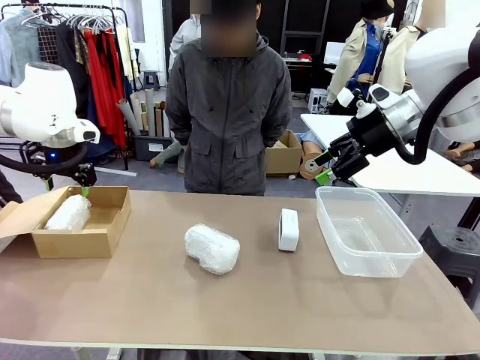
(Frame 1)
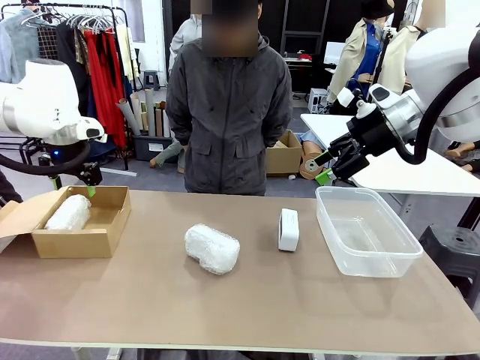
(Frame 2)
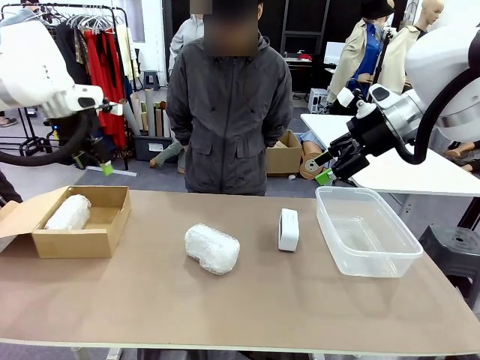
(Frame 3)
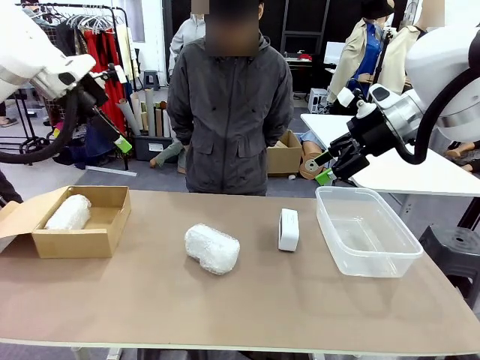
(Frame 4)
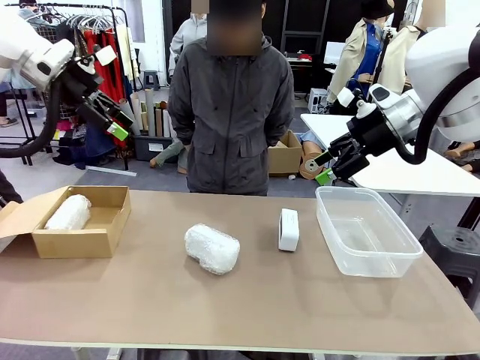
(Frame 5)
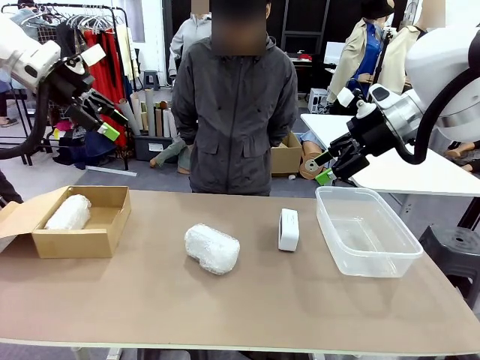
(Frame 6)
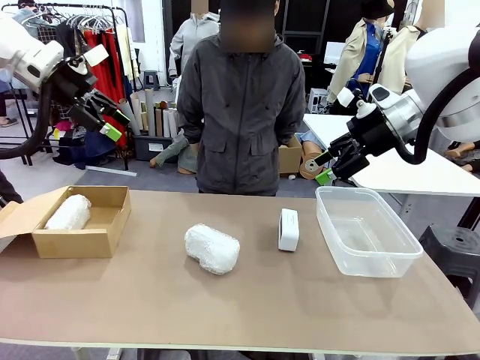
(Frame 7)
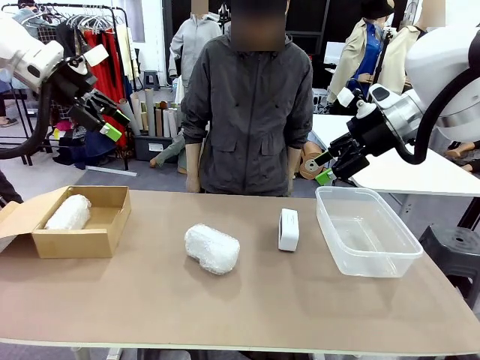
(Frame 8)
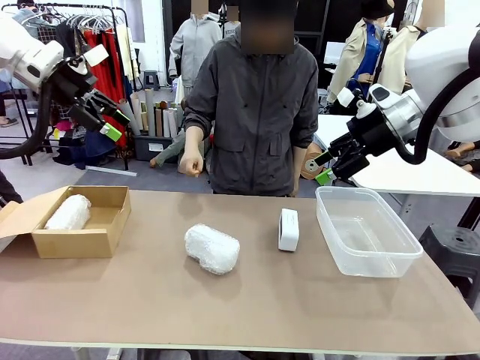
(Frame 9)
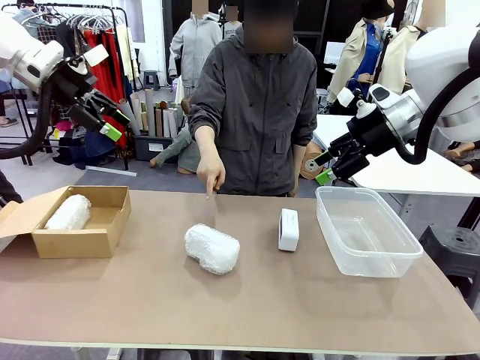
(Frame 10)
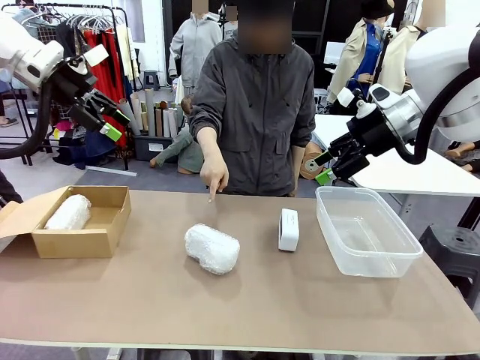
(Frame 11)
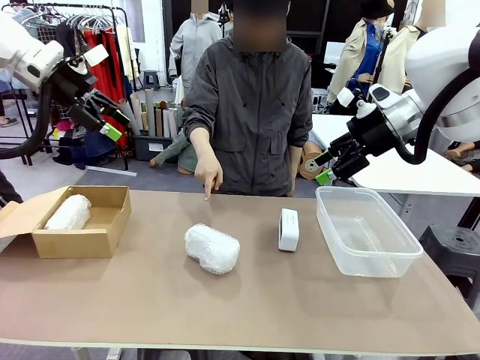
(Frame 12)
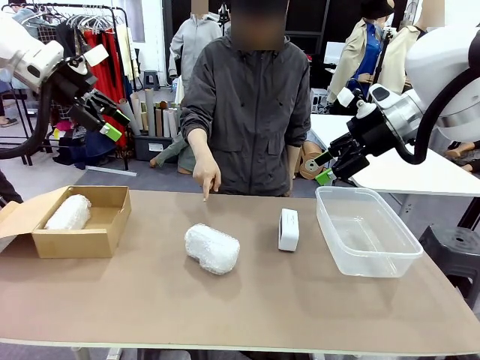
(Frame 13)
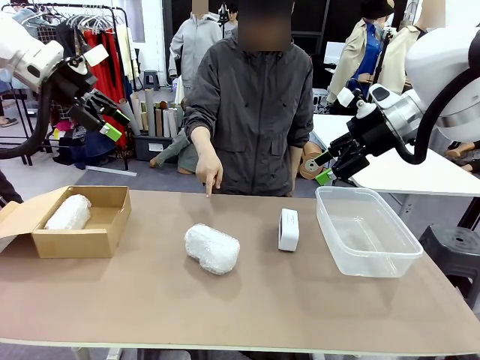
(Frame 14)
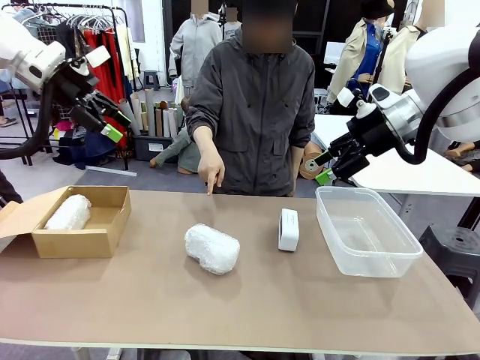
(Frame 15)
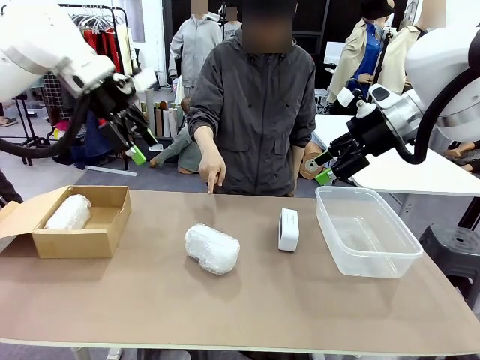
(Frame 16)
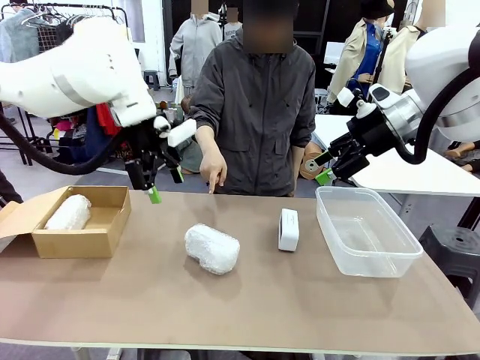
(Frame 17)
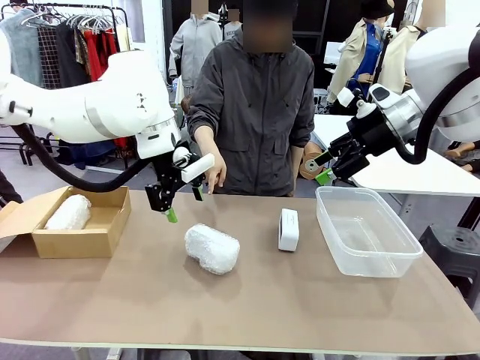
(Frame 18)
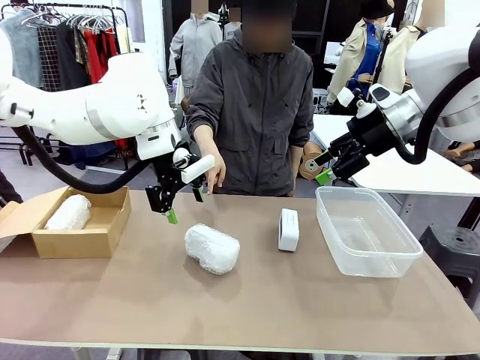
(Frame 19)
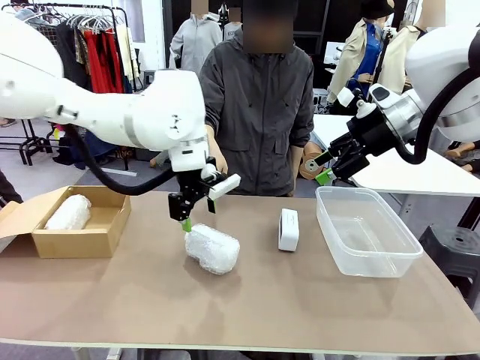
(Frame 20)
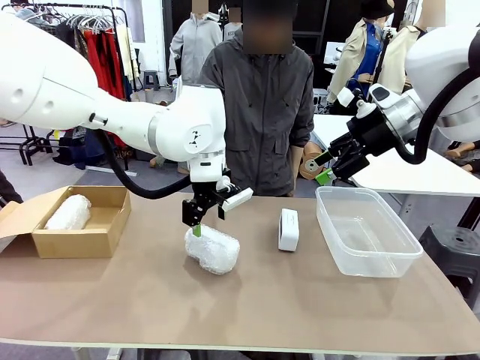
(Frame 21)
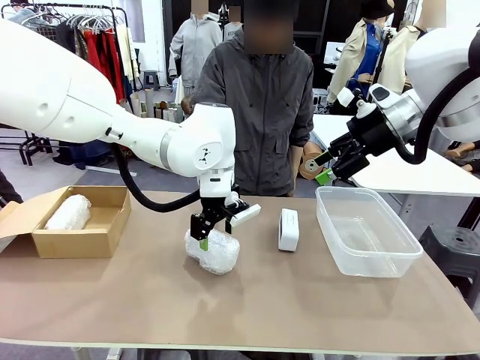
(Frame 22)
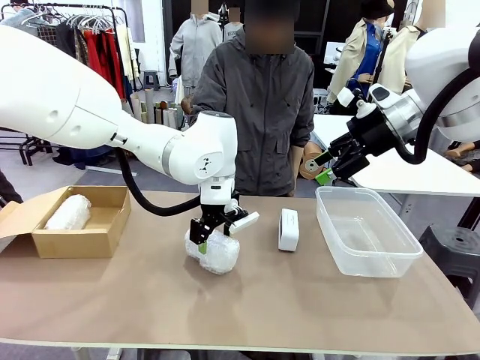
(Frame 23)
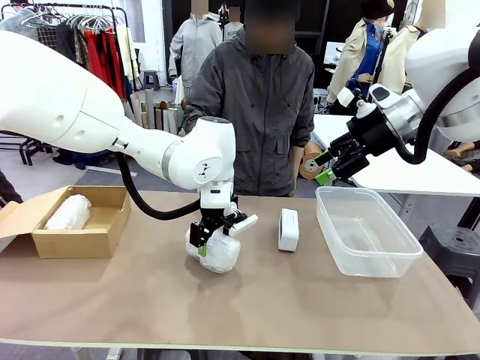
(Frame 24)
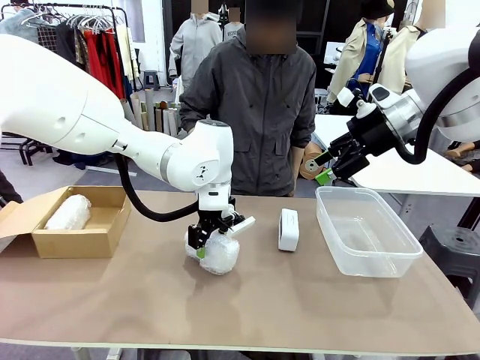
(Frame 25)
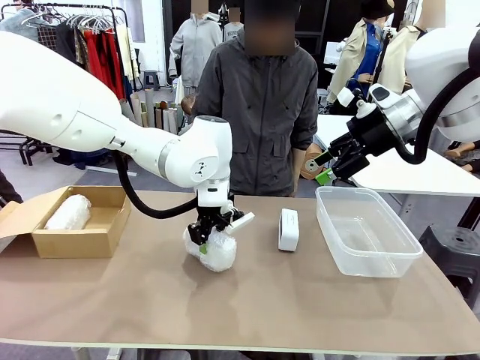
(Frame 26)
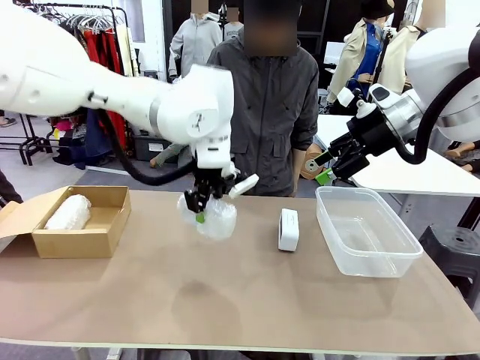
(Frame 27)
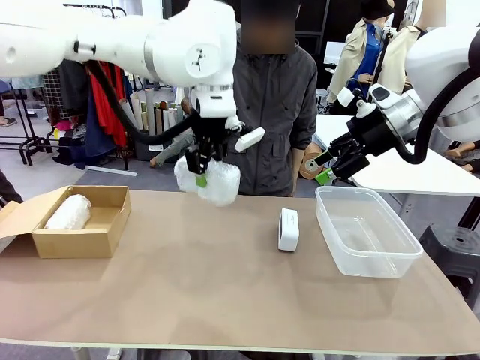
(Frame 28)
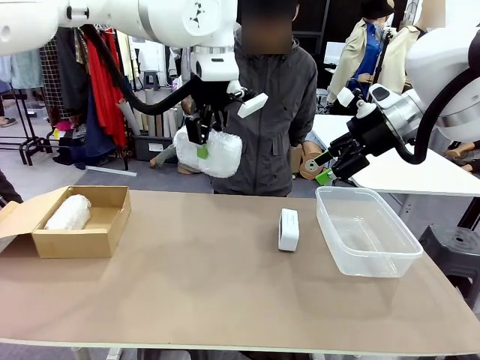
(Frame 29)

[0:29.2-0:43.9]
Task: Separate and place wrapped and unwrapped clocks.
Robot: Pick up the Digital clock indicated by the person.

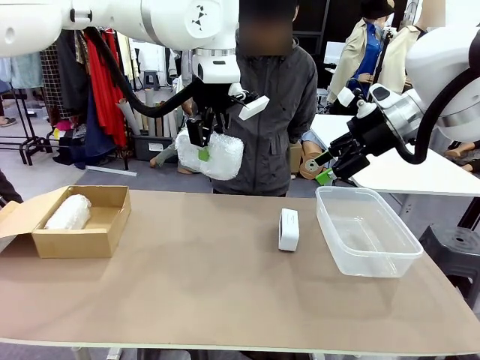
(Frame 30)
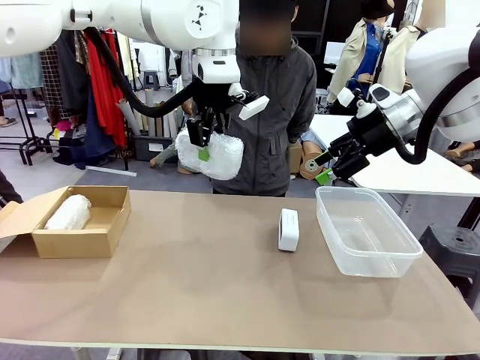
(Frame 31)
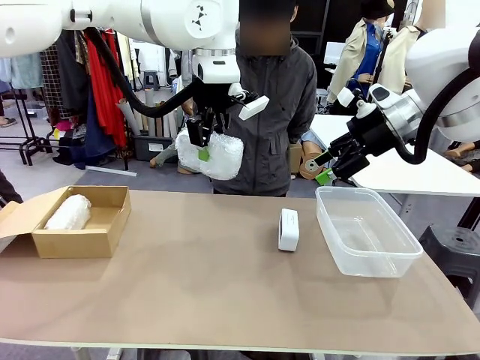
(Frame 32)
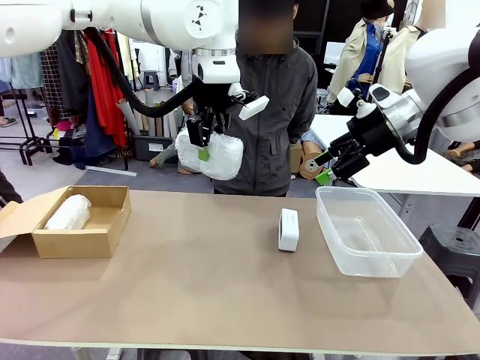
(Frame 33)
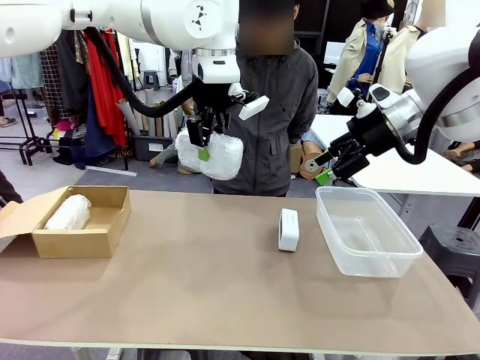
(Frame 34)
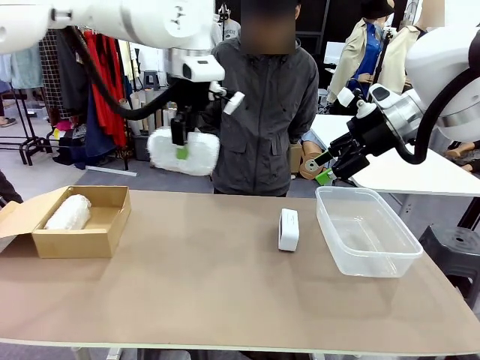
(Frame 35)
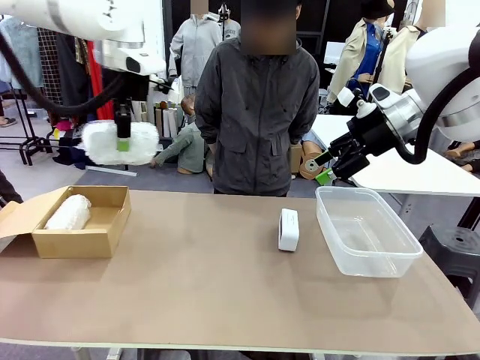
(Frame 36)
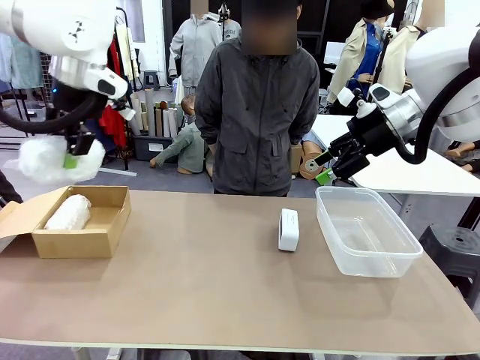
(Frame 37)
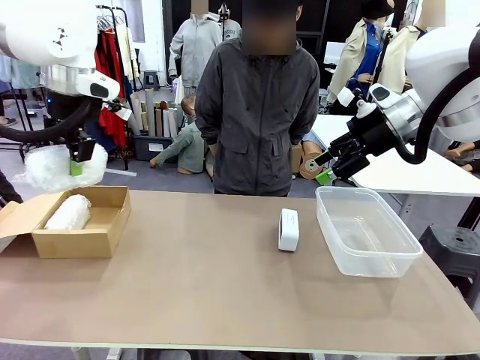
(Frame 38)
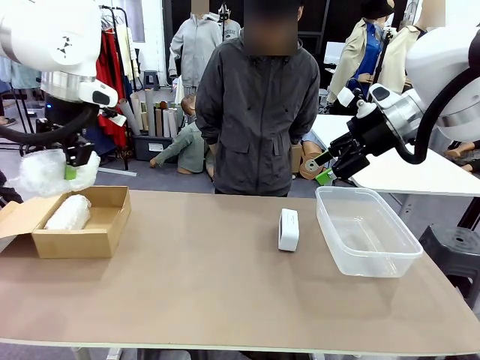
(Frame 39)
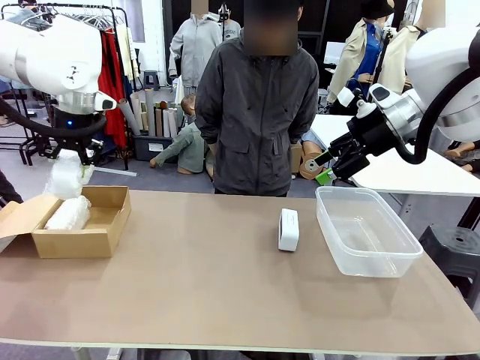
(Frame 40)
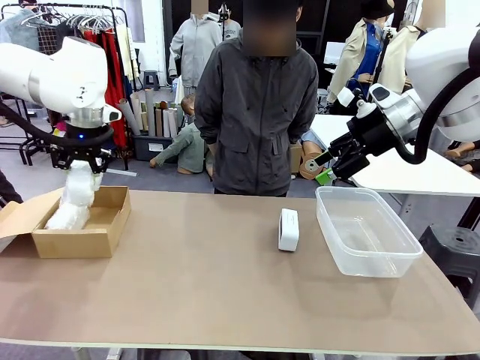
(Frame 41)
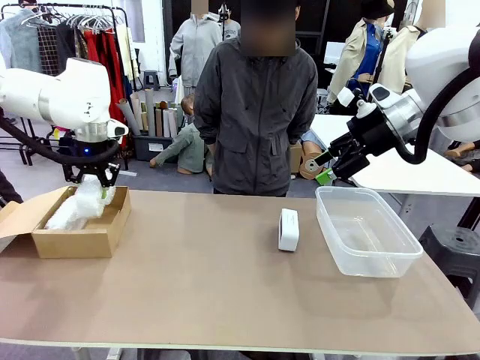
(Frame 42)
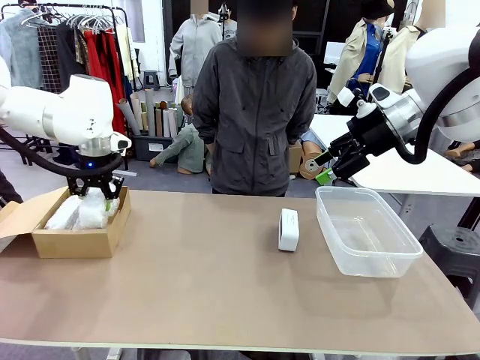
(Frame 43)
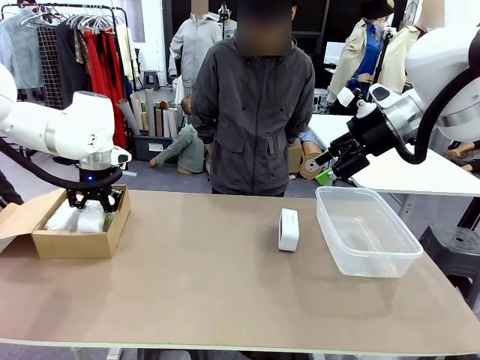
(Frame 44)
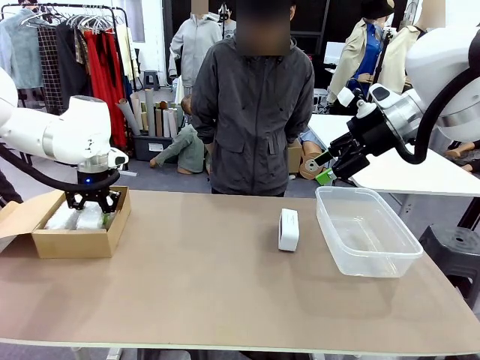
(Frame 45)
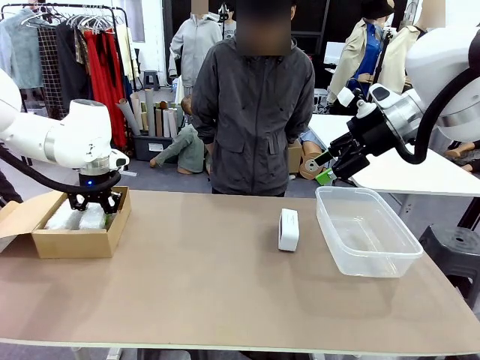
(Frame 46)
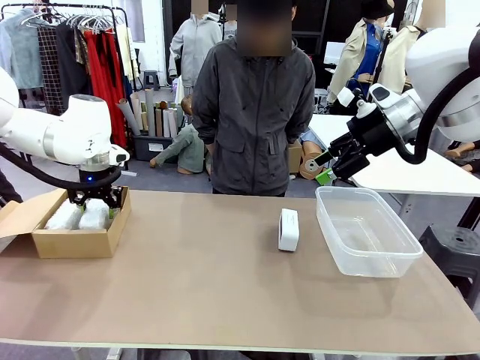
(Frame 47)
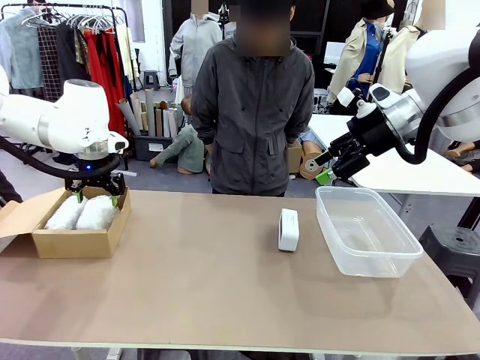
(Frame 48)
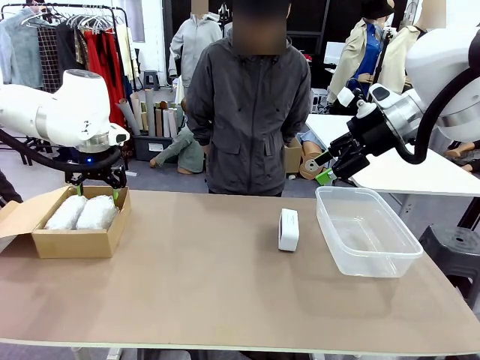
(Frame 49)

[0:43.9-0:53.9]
Robot: If the picked Digital clock is wrapped, place it in the Package Box ; if not, place it in the Organizing box.
